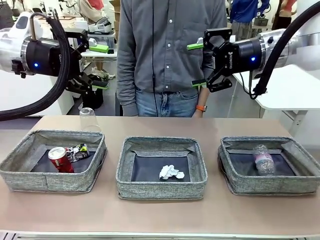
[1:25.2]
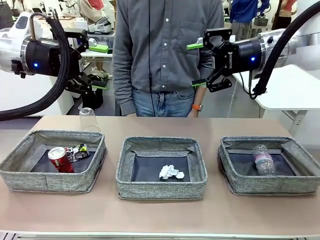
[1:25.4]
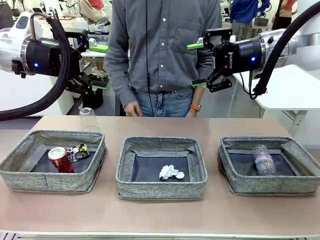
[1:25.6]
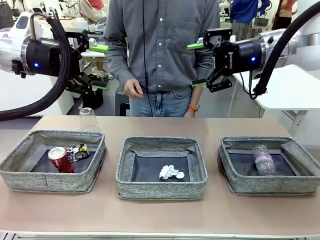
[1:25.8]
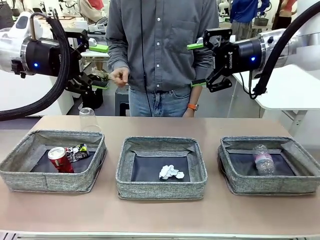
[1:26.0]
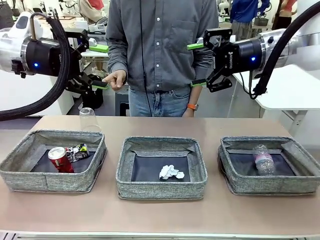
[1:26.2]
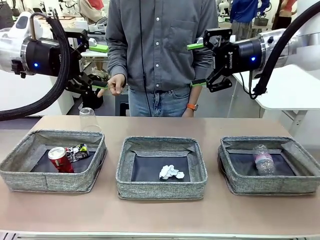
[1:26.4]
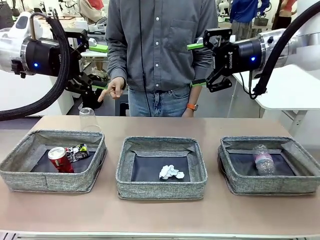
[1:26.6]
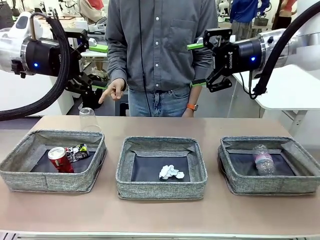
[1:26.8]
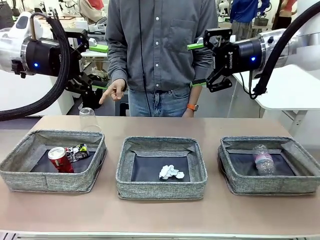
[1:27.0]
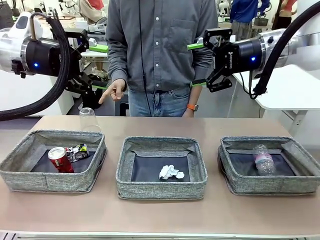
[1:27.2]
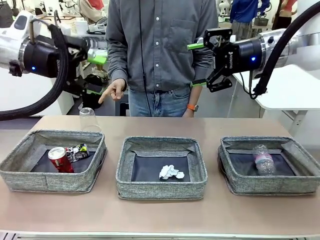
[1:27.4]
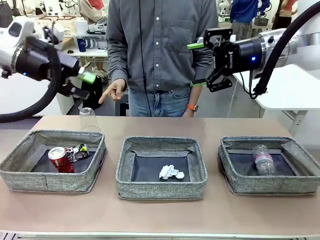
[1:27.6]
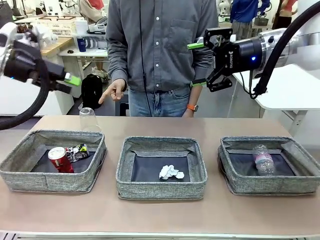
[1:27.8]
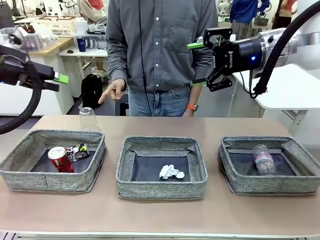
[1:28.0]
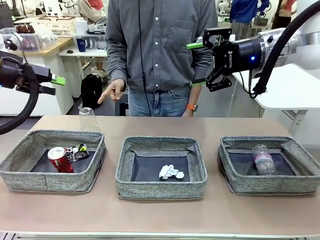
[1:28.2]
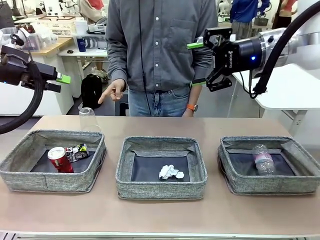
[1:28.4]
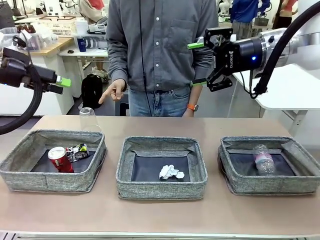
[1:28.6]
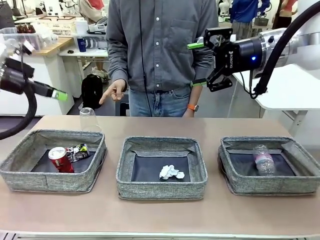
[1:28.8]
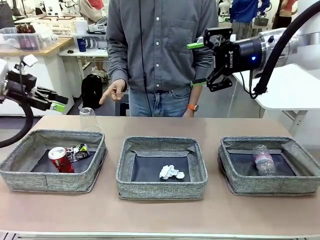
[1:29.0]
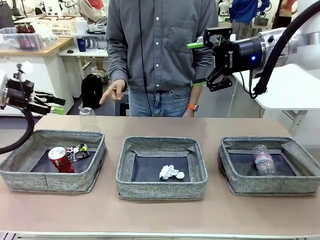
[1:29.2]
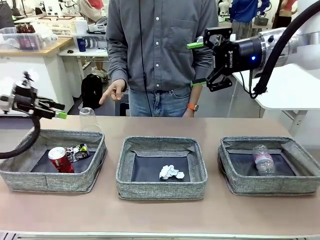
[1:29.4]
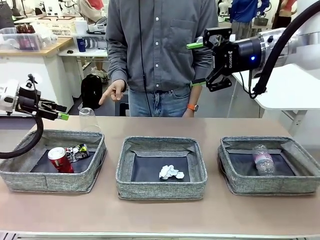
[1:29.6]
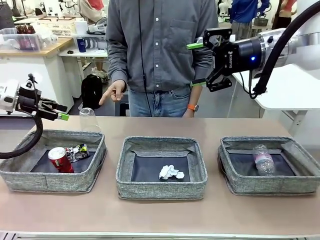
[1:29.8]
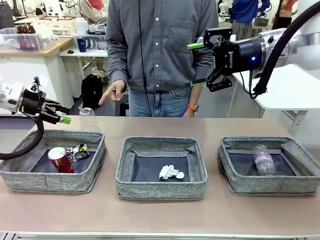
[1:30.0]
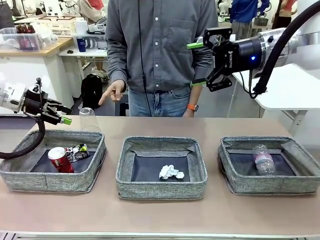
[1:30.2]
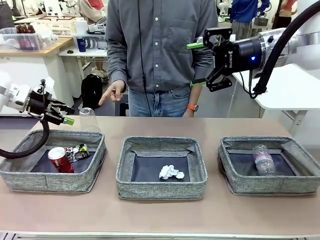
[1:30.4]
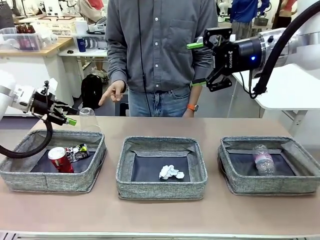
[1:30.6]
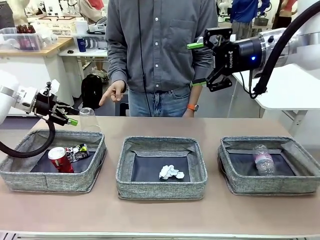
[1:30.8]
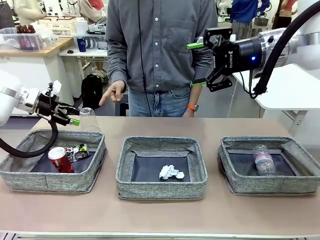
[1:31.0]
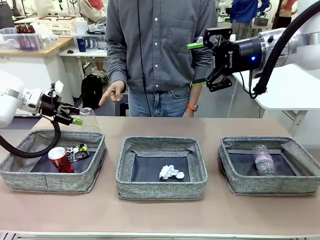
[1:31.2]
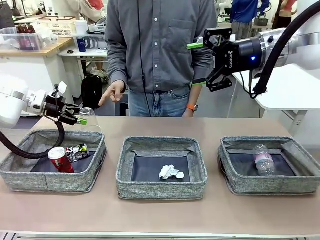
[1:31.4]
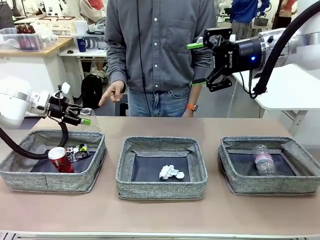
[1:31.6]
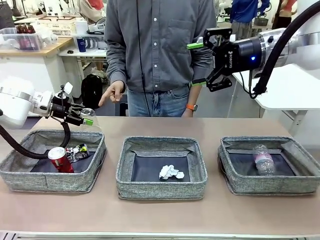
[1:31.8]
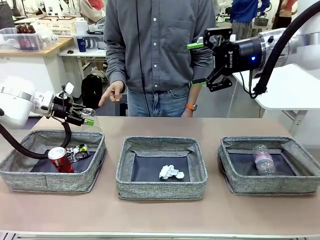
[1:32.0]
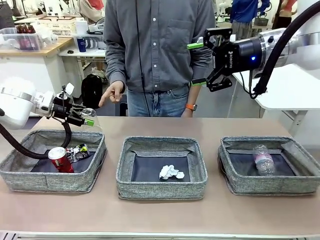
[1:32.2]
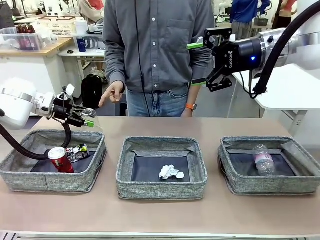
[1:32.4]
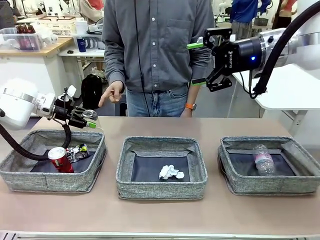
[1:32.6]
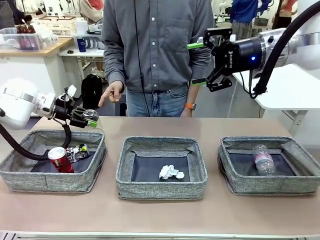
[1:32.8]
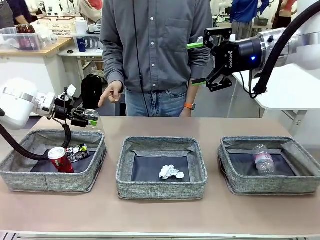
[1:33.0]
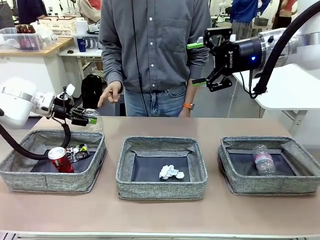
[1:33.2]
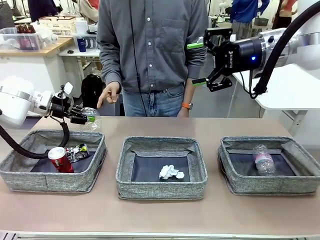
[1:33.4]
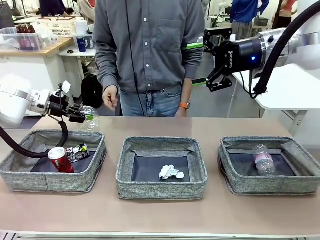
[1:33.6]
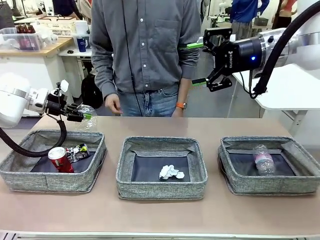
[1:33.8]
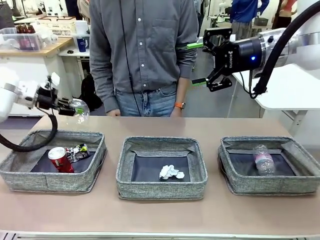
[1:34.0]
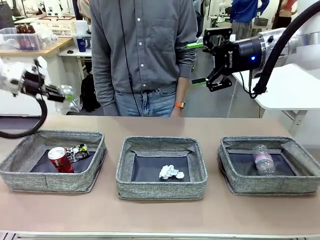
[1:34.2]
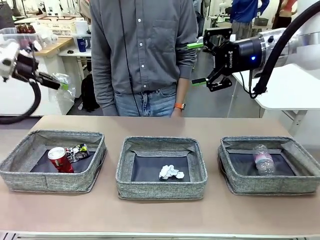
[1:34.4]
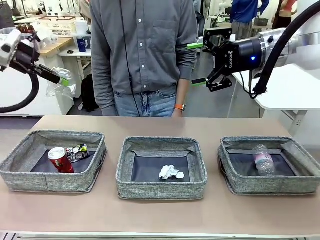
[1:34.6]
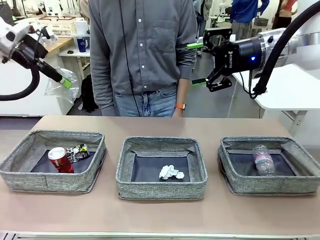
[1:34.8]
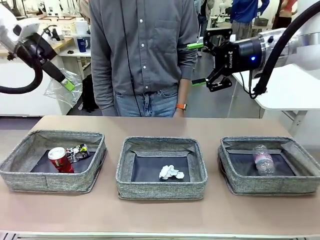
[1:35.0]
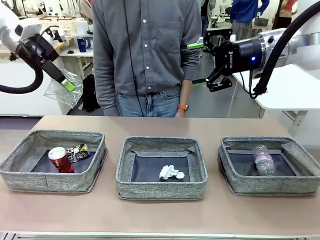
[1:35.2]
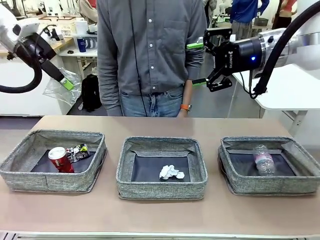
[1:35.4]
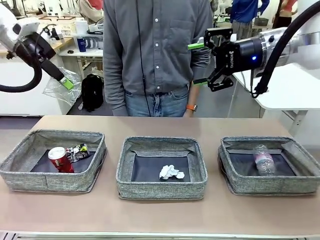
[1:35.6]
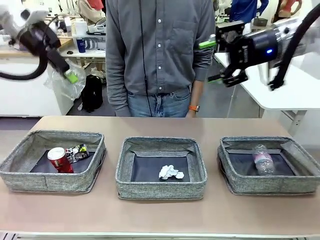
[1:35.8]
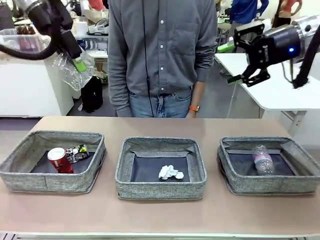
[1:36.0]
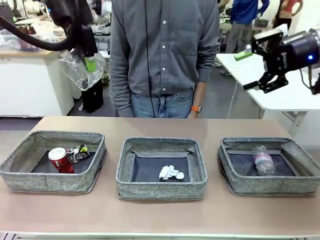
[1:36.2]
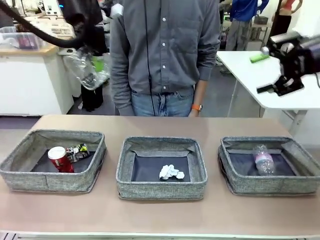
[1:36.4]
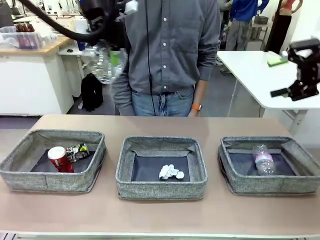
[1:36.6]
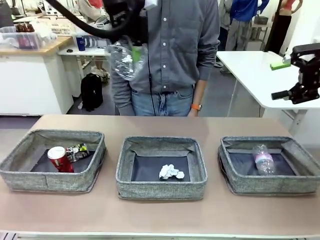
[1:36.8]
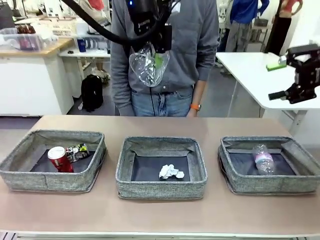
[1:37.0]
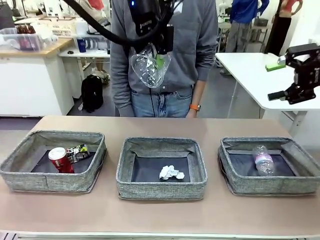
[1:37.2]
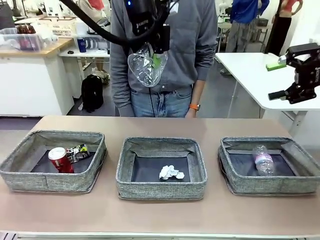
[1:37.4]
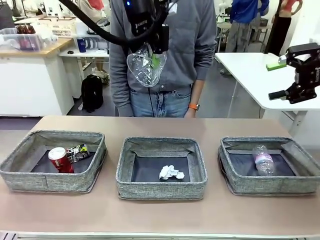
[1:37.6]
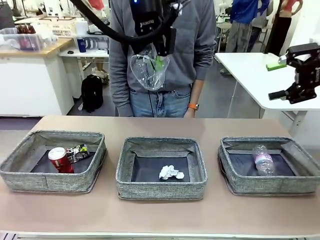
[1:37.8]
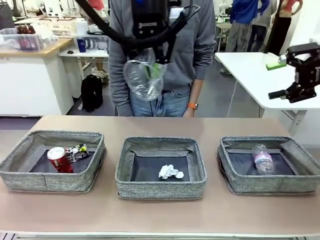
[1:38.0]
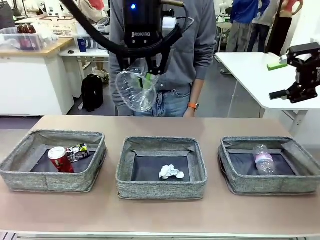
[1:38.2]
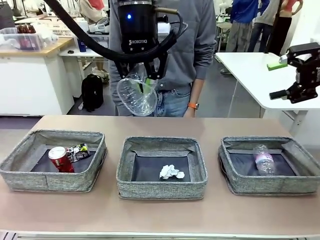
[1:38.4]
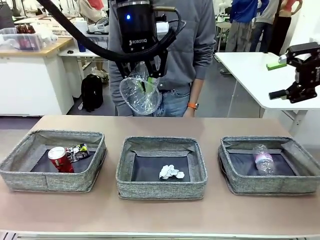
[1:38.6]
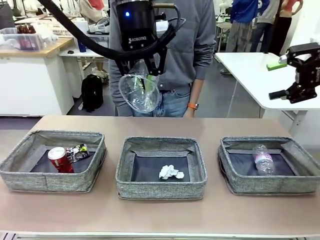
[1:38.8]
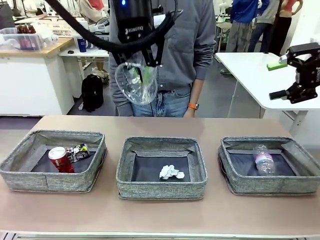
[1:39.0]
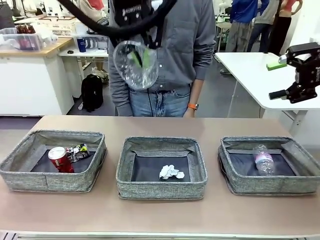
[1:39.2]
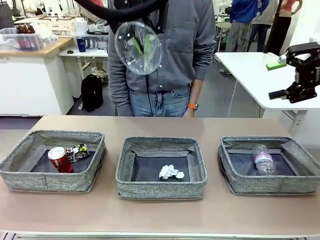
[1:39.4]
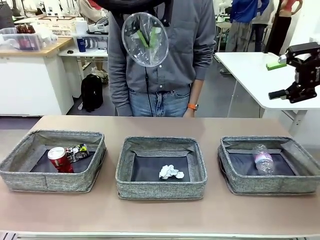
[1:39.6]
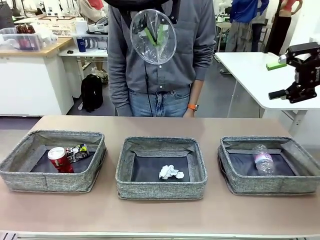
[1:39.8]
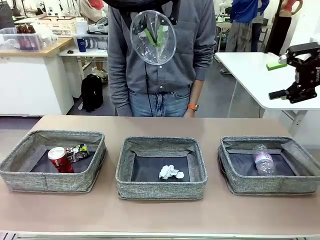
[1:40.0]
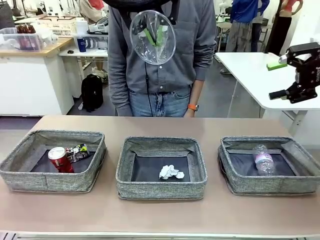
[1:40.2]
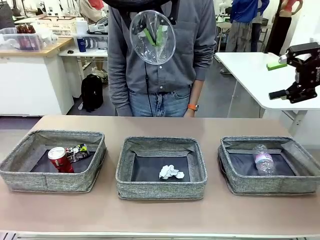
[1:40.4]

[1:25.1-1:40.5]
Task: Sort the waste into the appropriate baskets.
Robot: Pick up the waste item pointed out by the person.
Person: Points to one piece of trash on the table.
